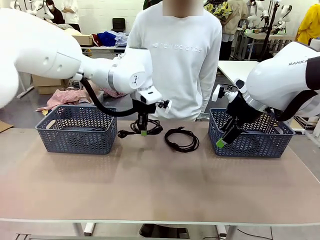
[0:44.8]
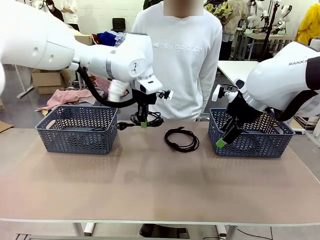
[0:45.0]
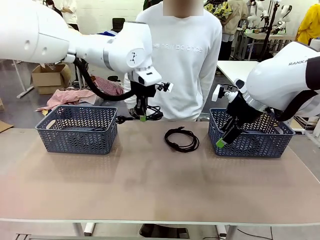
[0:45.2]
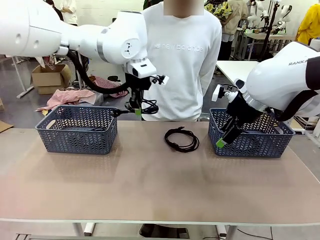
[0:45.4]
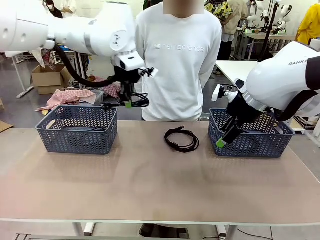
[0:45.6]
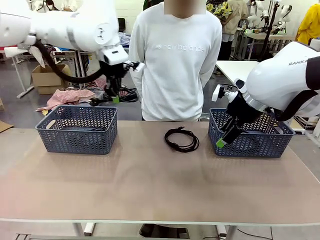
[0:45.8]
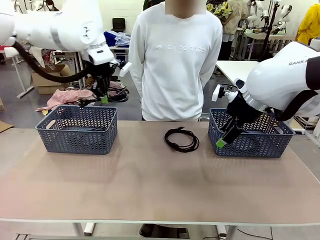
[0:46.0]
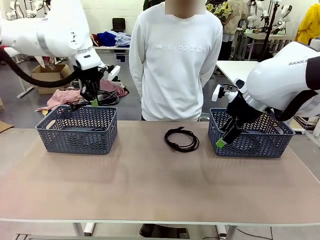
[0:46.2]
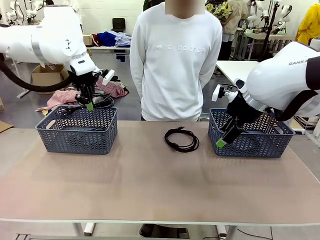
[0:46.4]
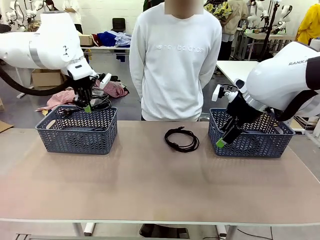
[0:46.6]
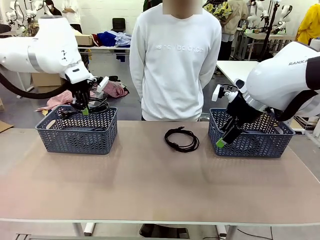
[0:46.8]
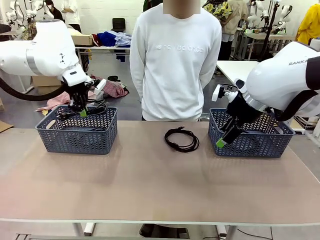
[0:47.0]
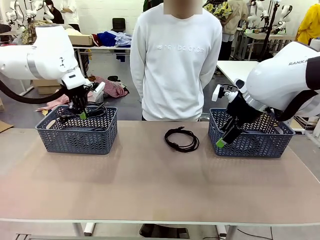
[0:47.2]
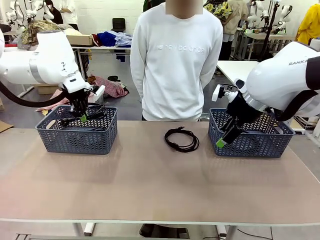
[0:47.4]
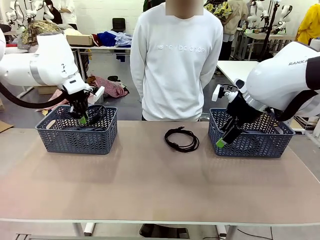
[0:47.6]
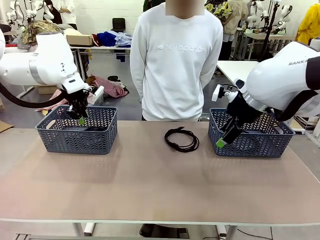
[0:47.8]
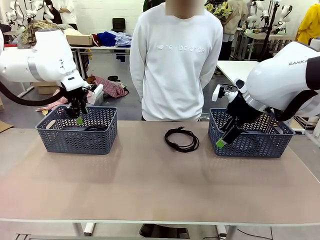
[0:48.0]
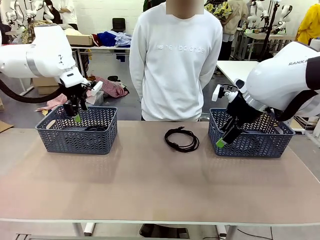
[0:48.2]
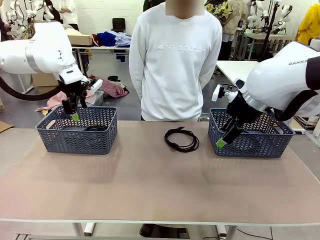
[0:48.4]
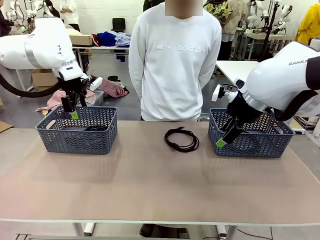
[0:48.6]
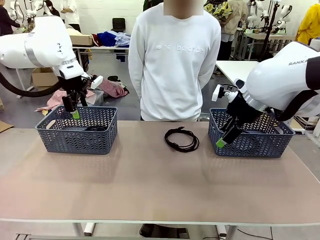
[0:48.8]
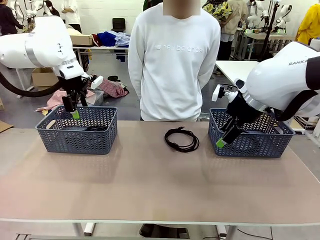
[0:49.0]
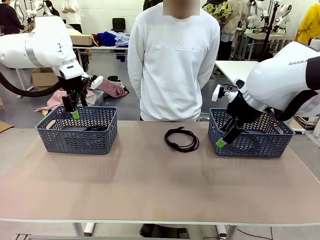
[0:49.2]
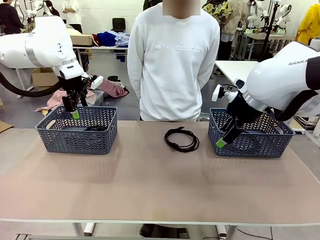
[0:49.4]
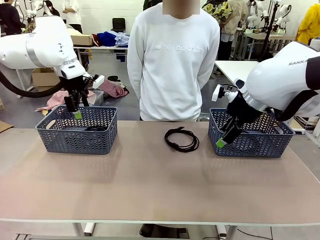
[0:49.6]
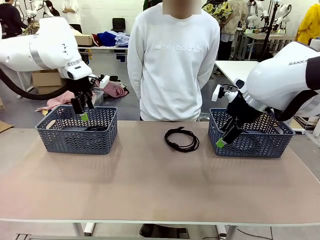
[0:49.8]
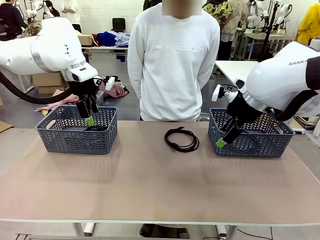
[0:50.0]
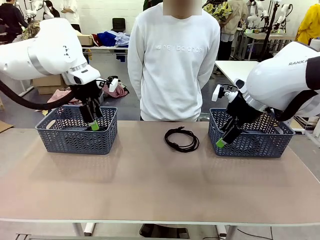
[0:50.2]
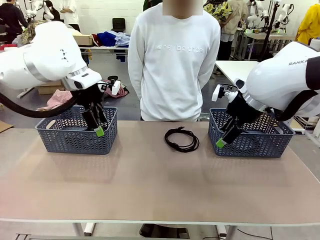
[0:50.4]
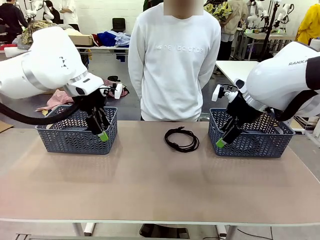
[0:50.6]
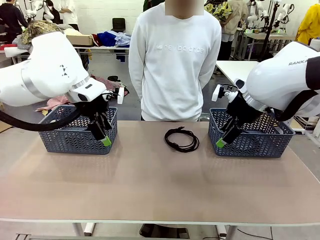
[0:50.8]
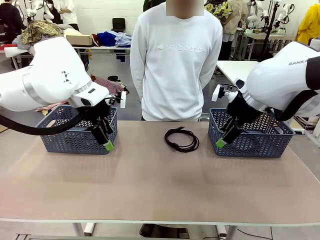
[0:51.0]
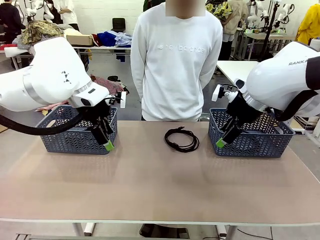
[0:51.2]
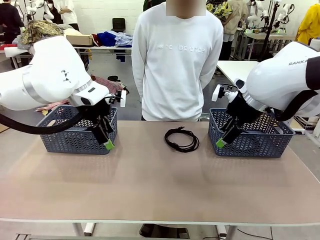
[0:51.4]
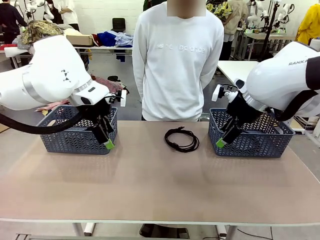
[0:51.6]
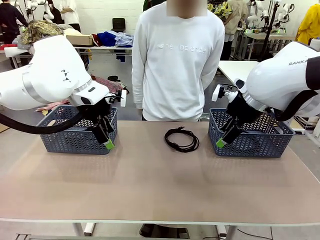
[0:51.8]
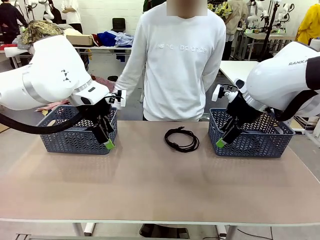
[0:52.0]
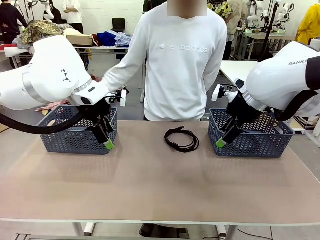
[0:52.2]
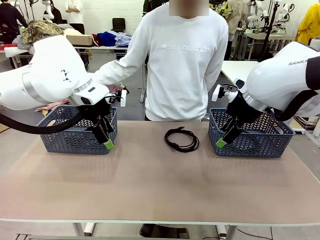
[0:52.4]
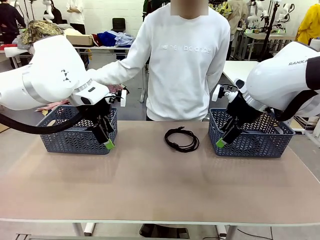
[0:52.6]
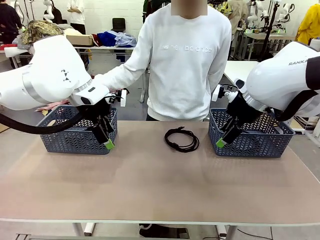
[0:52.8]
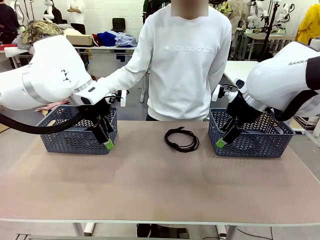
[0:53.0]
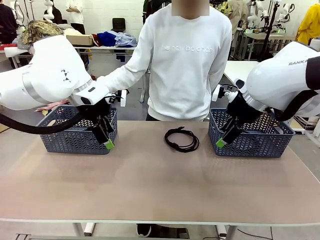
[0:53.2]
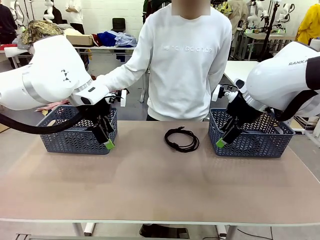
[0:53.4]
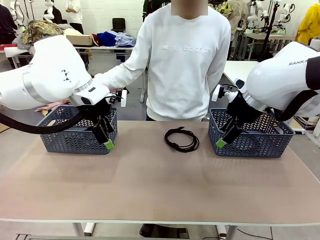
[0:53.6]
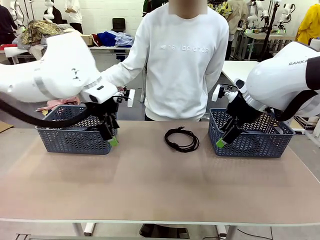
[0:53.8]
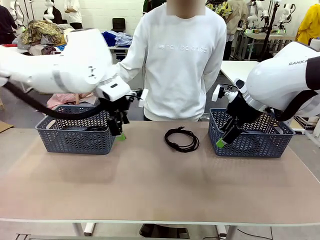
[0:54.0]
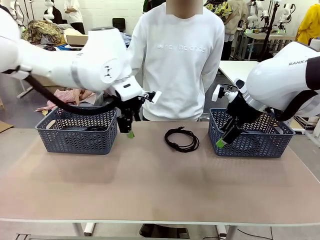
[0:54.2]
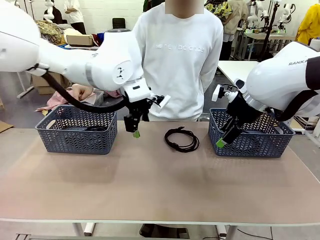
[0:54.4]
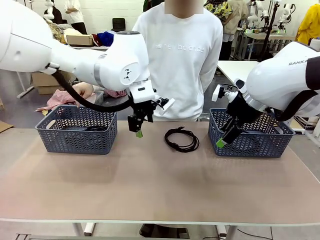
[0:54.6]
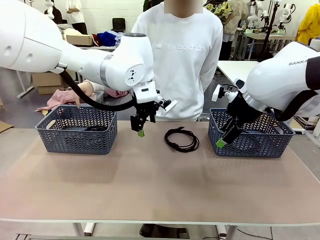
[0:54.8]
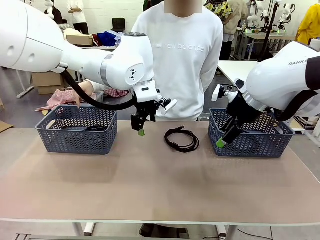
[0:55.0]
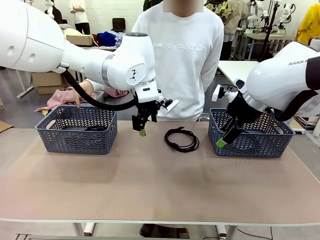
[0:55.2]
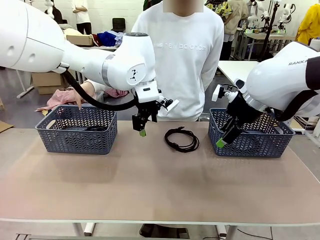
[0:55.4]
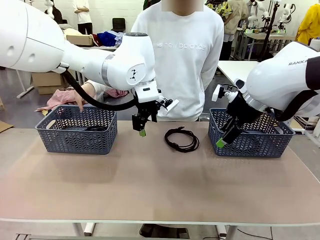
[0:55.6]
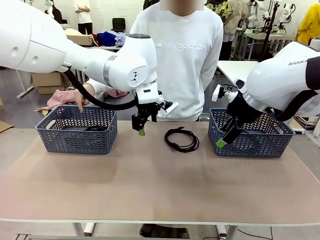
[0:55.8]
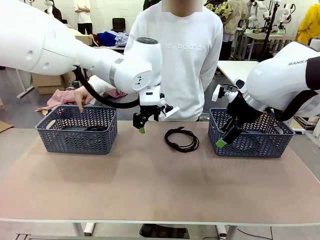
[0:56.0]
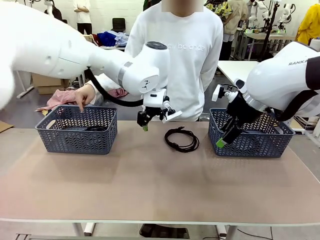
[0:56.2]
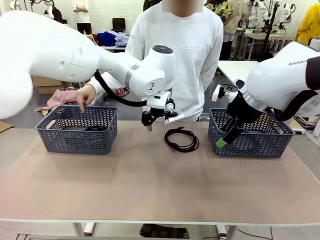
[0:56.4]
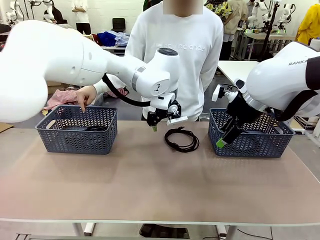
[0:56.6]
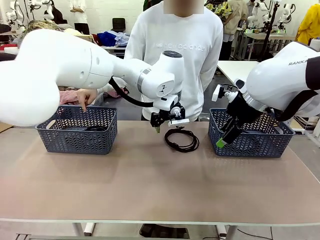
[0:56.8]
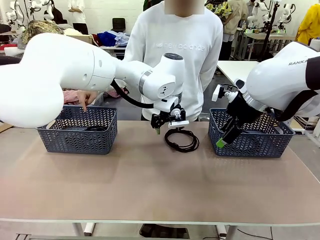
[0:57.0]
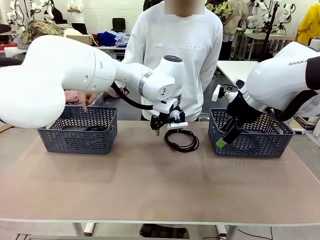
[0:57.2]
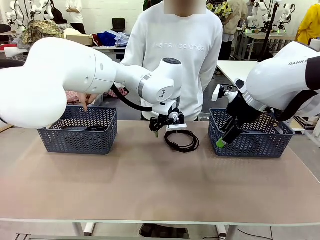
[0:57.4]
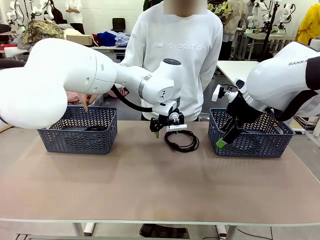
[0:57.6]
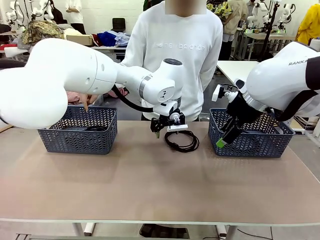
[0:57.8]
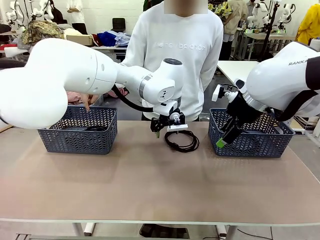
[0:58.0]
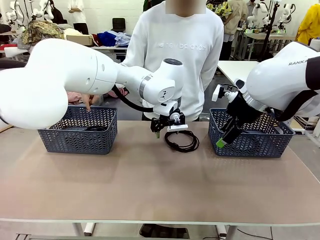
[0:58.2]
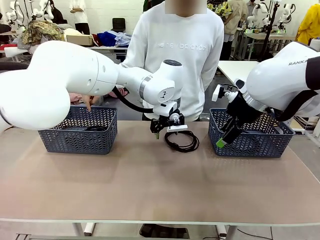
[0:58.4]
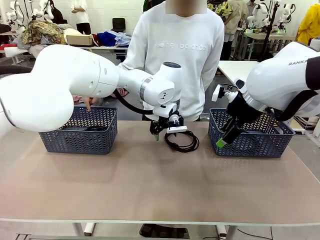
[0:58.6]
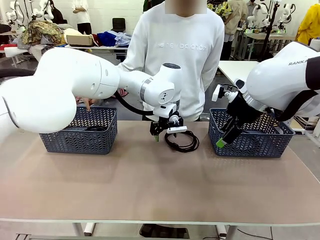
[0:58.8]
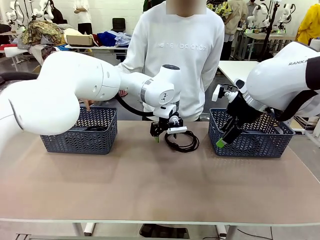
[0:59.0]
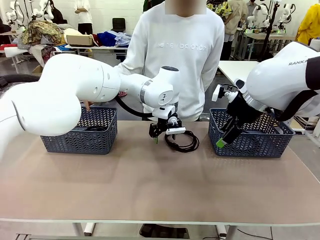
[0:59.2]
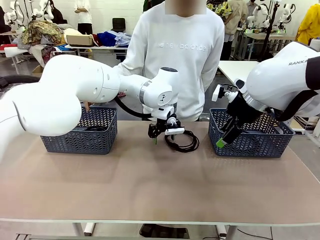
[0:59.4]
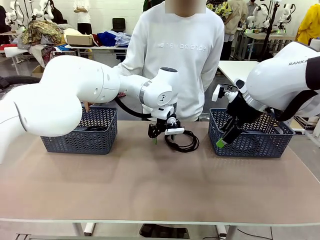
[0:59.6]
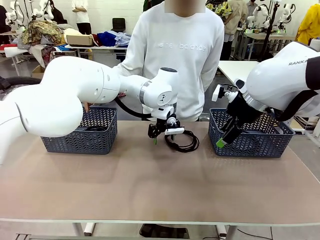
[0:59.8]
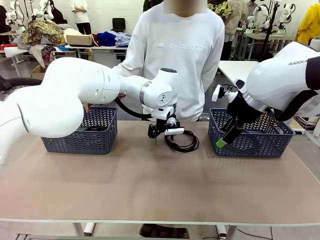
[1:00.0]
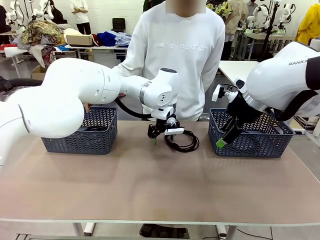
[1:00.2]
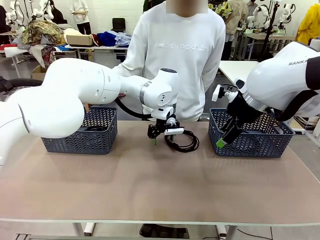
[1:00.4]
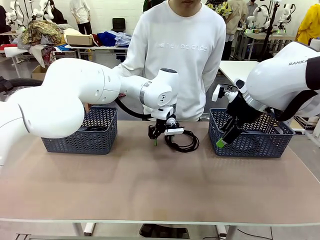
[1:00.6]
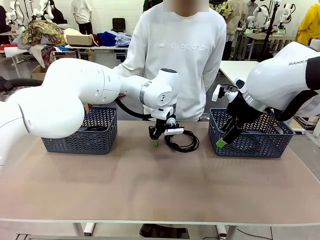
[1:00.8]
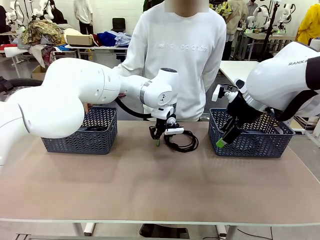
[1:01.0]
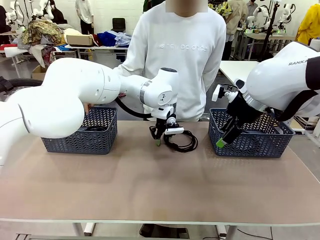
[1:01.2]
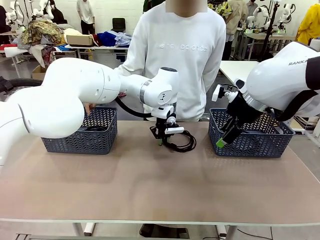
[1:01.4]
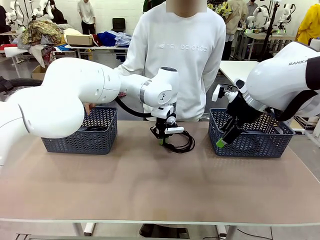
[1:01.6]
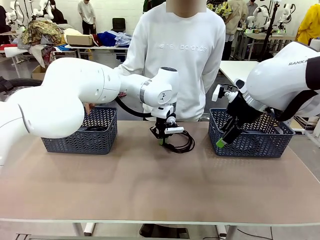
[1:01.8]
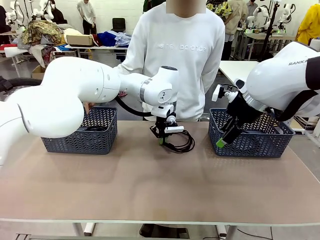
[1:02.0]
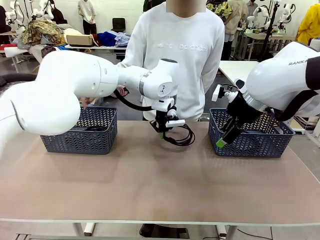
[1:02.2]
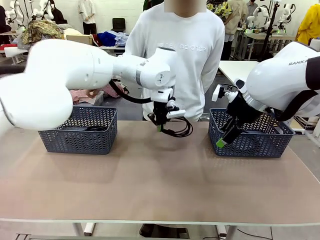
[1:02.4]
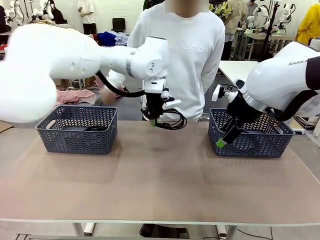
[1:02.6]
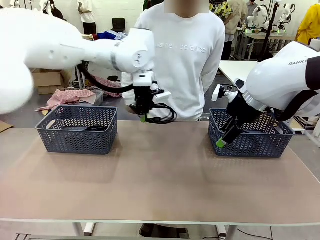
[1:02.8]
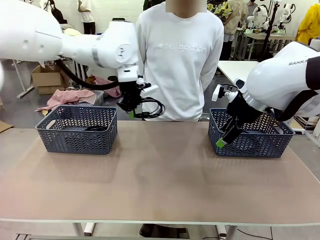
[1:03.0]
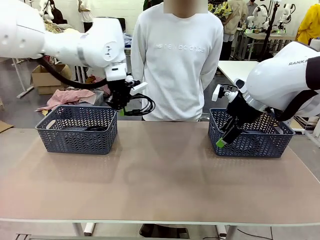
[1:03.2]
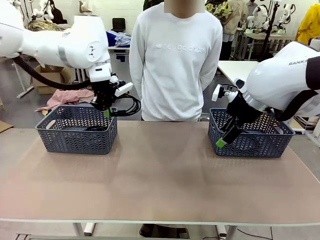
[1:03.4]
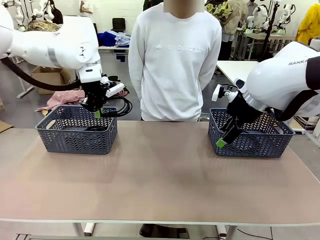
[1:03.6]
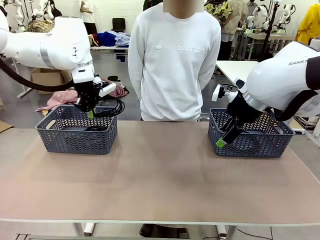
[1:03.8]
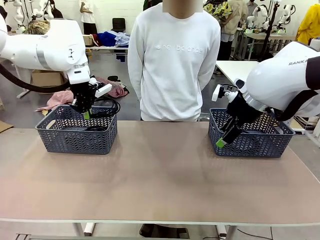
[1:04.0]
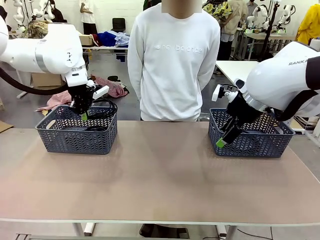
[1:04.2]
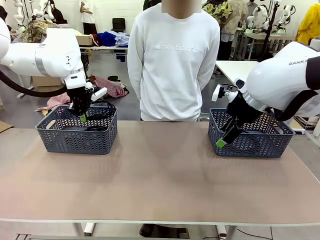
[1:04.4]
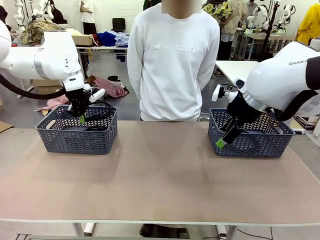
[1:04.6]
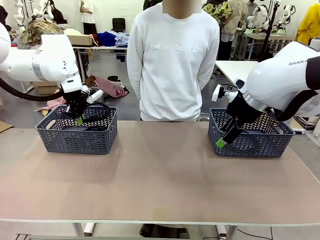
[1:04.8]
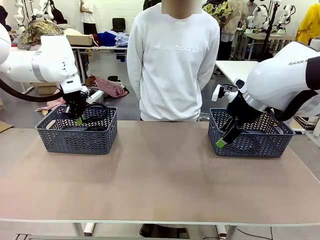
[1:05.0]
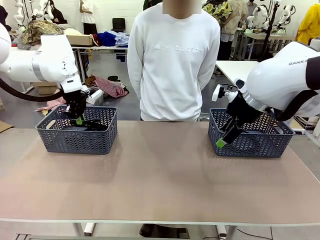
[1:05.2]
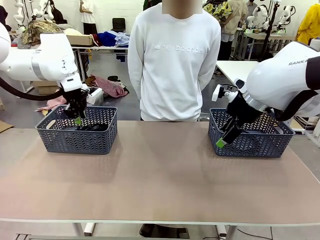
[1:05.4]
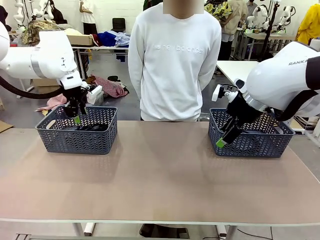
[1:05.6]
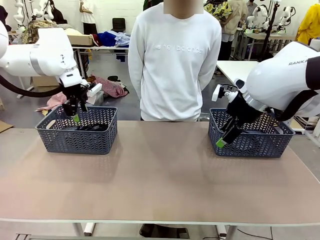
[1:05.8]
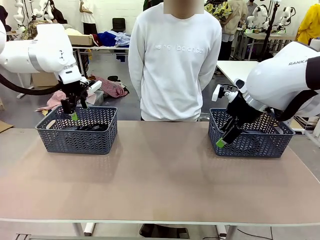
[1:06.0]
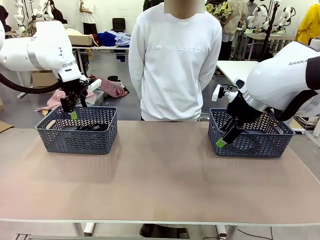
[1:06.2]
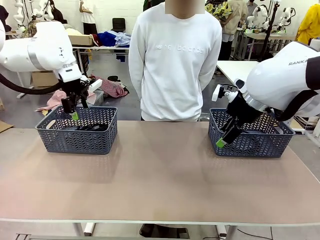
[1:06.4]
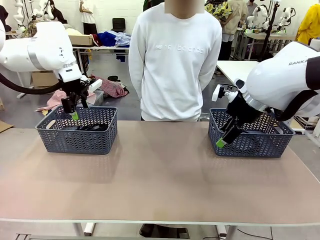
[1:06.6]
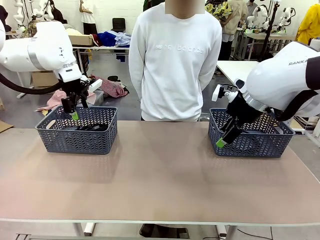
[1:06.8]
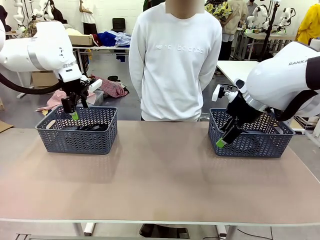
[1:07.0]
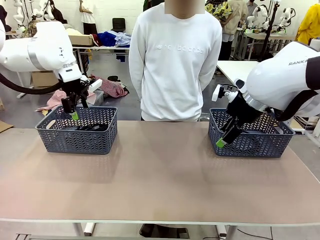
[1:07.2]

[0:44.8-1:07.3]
Task: Organize the cables according to human instructions.
Robot: Pick up a bundle of cables and place it in the basket indicated by the human.
